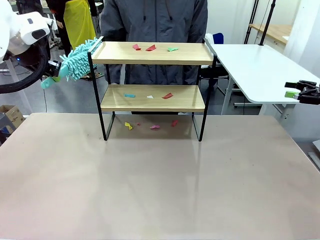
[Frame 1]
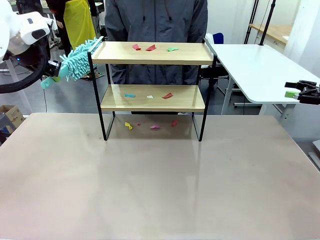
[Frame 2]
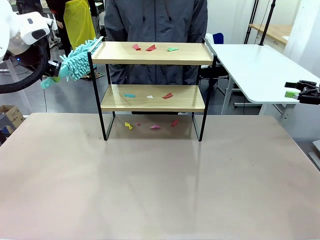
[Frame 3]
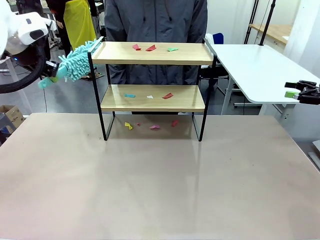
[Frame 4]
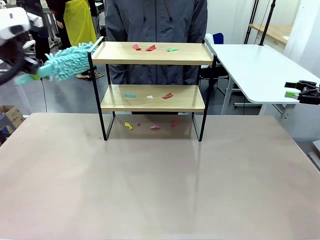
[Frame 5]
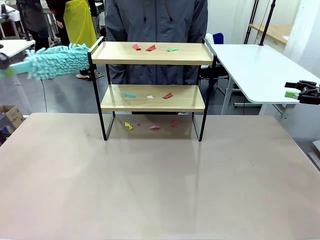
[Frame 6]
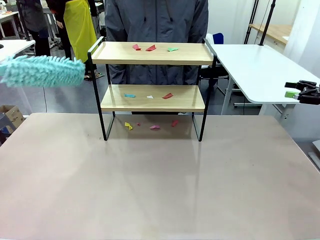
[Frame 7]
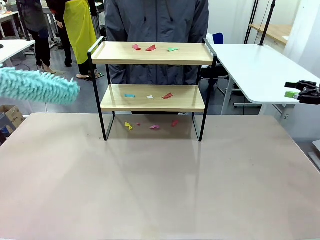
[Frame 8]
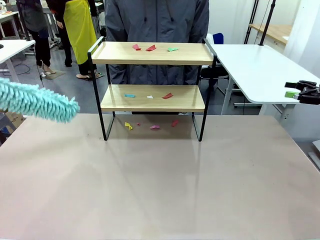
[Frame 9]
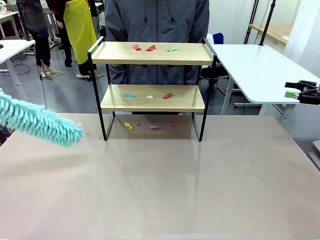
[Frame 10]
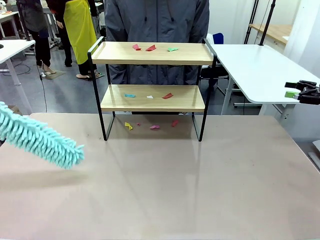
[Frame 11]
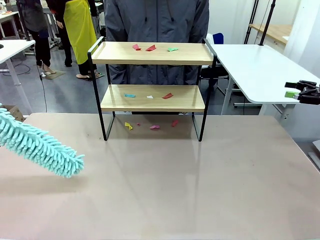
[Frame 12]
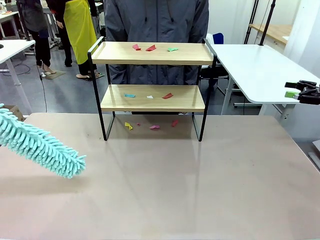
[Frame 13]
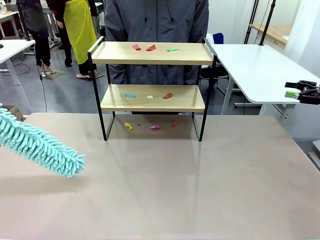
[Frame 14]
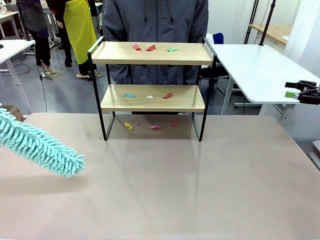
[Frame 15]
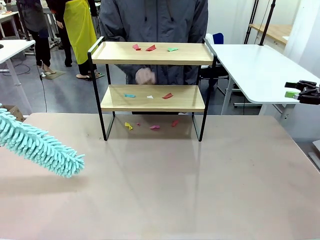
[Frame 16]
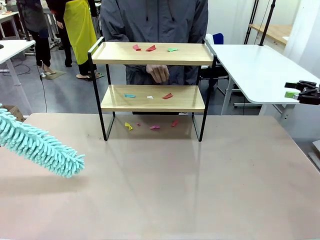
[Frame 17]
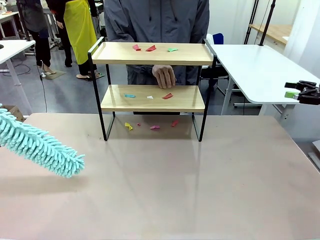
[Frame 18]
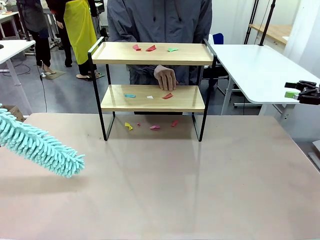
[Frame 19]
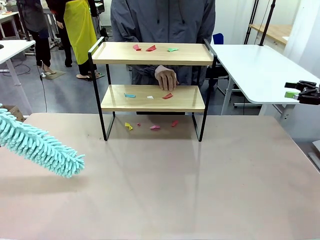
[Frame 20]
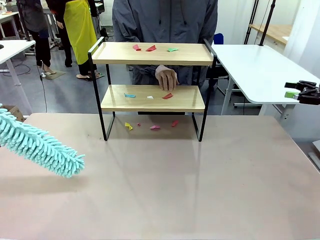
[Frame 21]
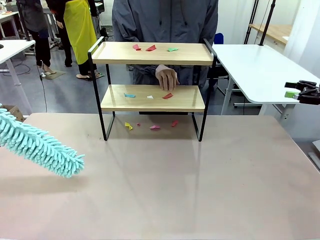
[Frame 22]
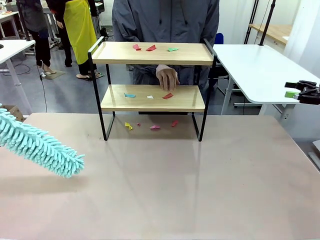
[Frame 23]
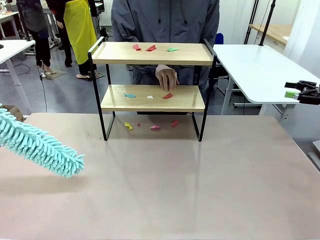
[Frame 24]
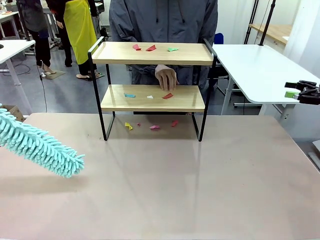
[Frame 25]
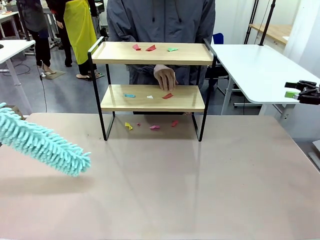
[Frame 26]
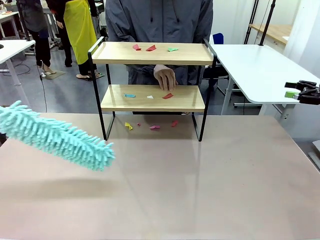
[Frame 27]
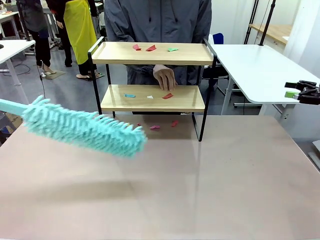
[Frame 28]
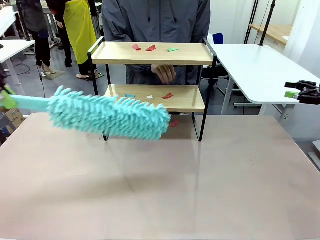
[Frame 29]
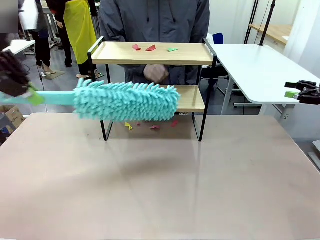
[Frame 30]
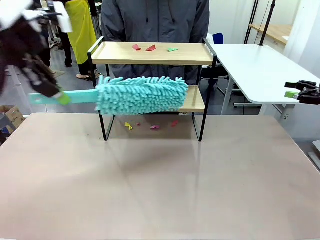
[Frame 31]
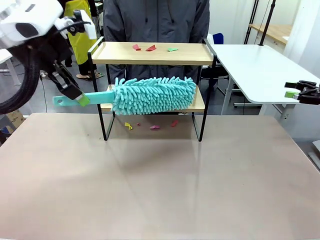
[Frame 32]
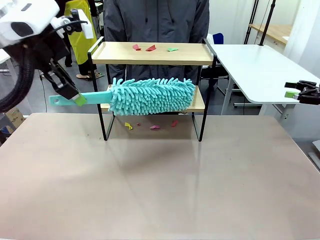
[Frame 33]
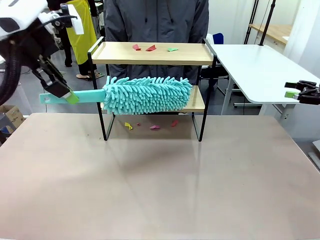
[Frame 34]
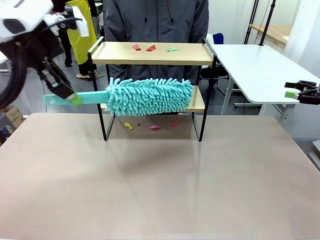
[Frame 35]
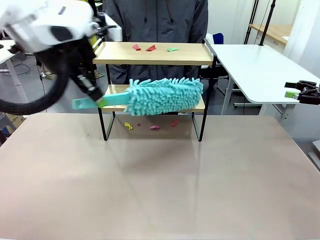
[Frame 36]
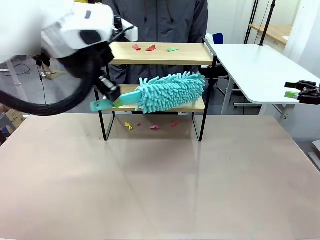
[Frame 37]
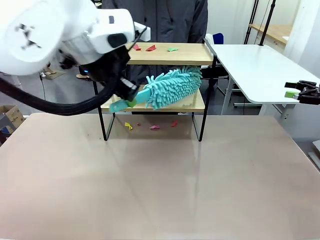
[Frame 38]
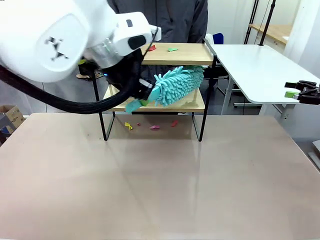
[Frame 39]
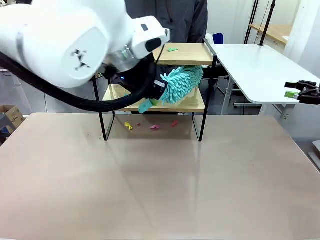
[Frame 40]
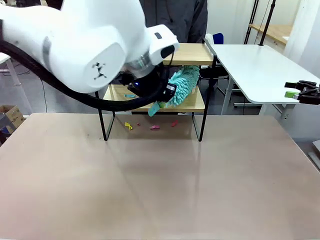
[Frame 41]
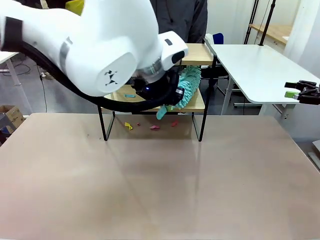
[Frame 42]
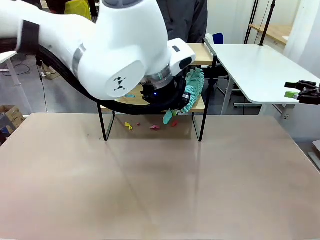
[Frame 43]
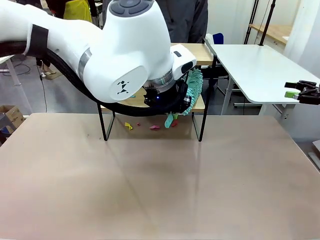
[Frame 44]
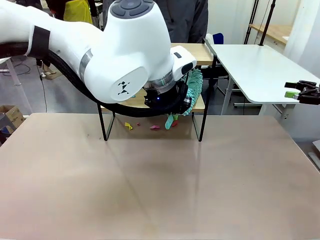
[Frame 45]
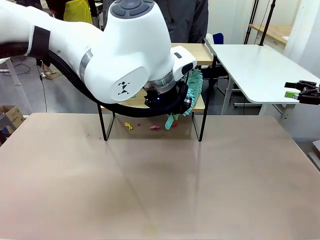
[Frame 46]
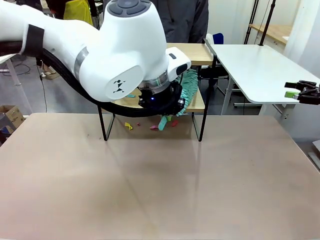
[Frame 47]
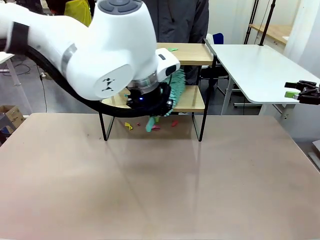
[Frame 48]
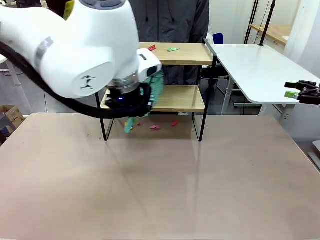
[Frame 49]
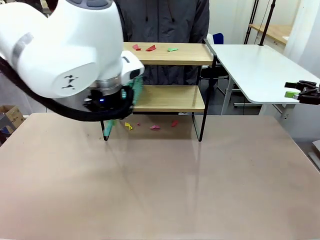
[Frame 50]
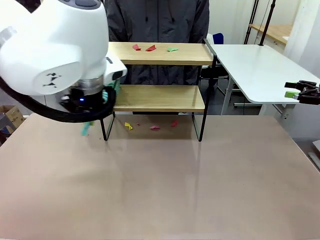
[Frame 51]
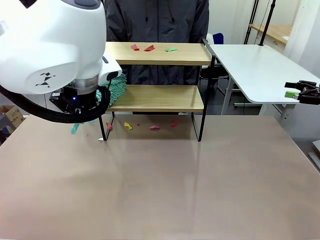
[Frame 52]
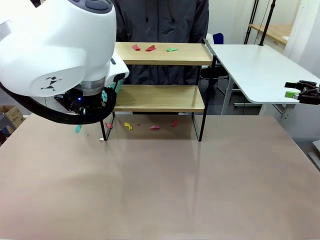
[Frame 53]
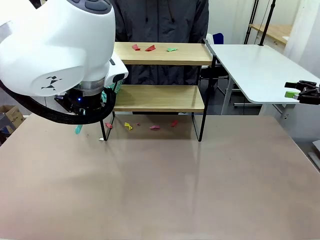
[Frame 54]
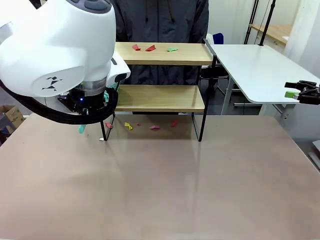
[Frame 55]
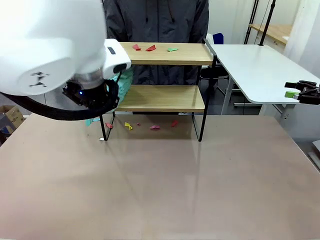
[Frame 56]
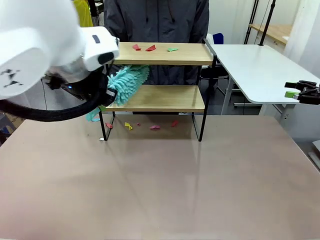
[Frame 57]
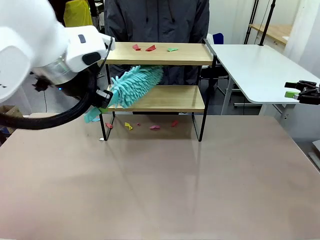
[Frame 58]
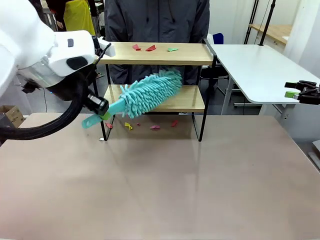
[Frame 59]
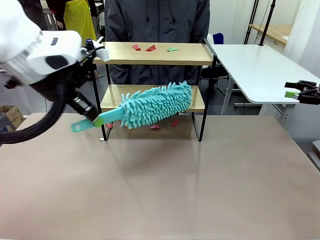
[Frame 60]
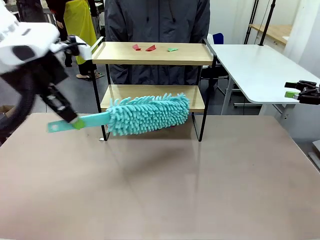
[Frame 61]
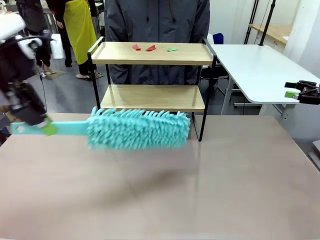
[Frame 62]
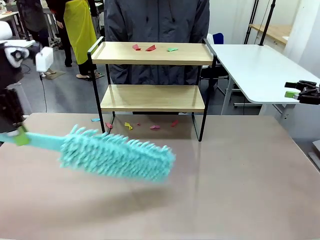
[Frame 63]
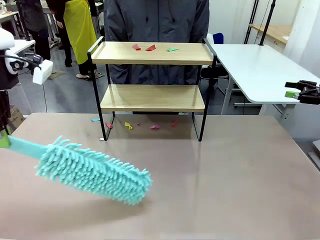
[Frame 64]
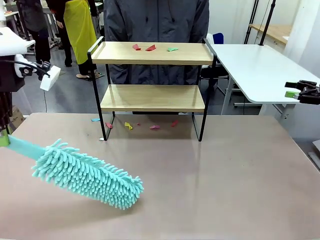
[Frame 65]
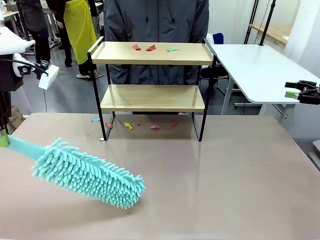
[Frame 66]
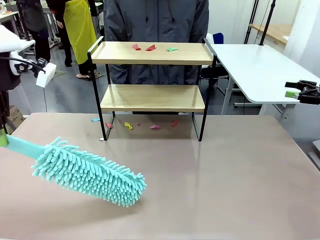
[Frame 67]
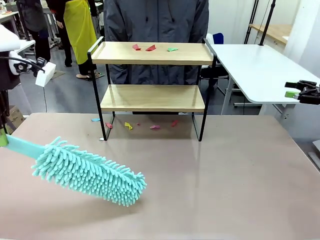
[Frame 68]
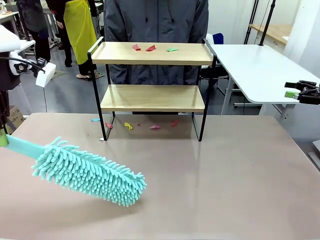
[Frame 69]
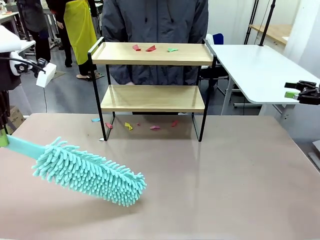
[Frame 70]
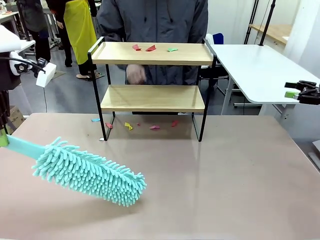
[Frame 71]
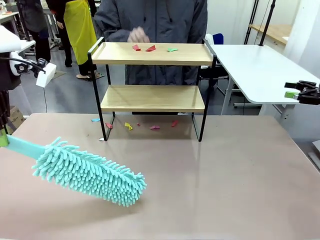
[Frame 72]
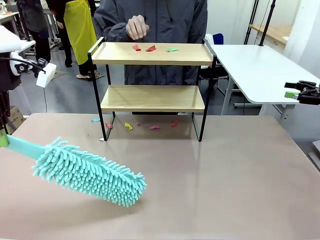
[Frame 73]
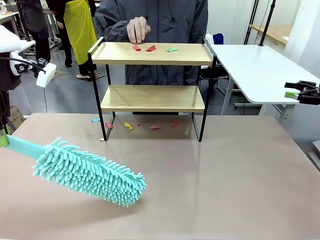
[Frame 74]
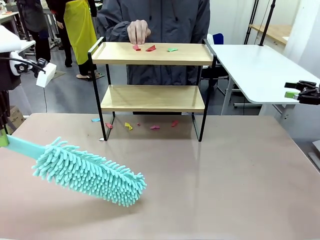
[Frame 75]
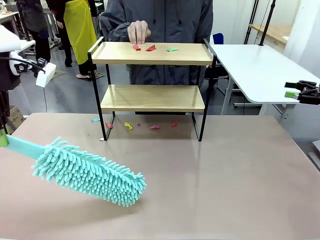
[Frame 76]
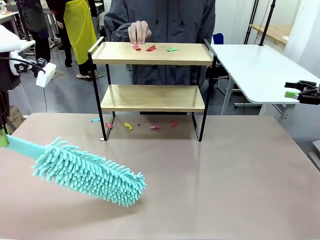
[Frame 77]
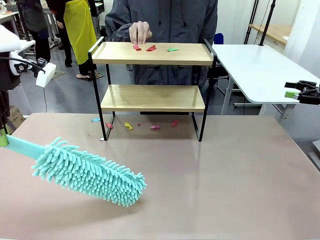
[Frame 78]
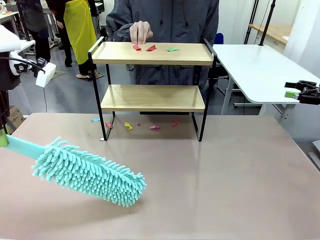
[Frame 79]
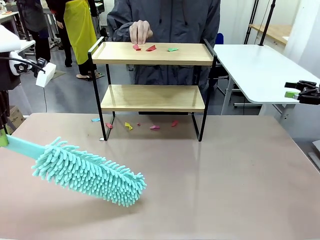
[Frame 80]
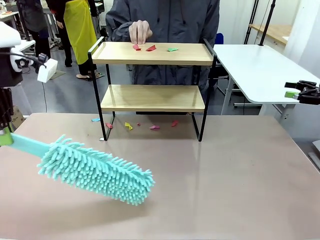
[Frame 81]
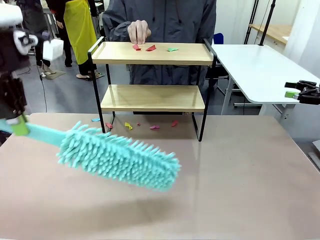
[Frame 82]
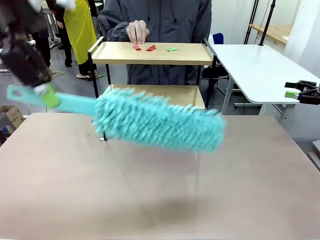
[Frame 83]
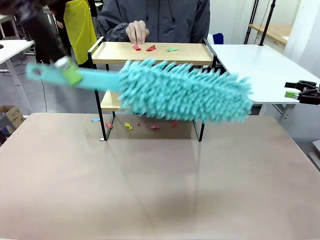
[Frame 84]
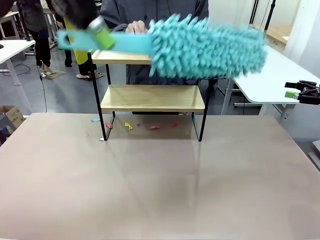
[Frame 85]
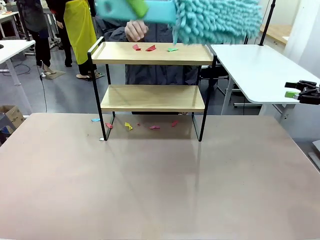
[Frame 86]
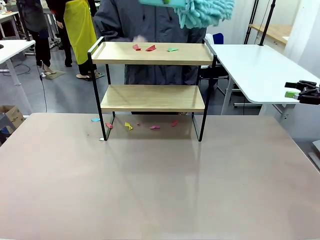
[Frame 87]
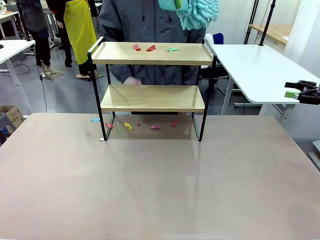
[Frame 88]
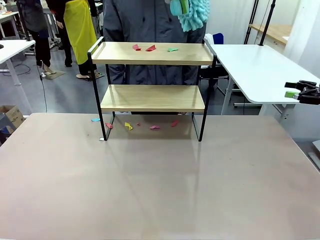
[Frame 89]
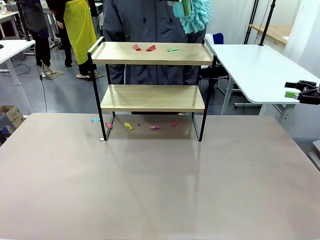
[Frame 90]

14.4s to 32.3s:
Task: Clean the shelf.
Robot: Clean the specific section of the Shelf indicated by the human with the Duster.
Person: Point a random section of the Shelf.
